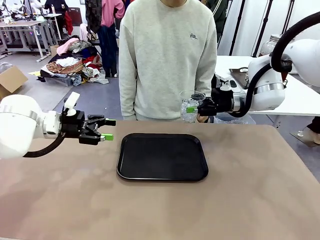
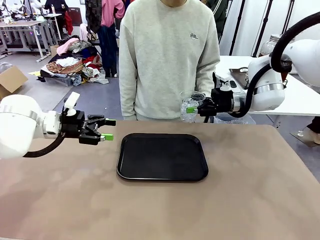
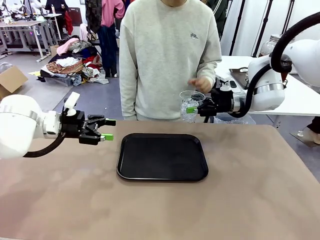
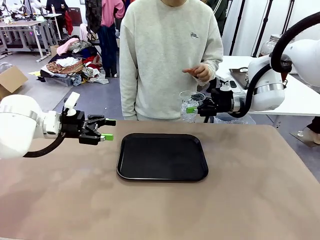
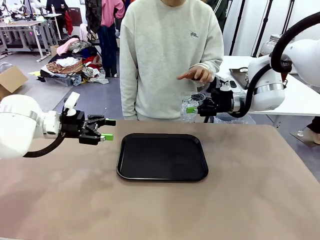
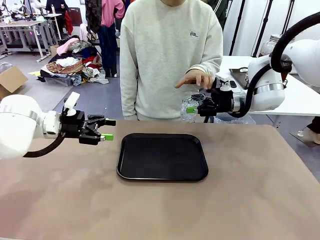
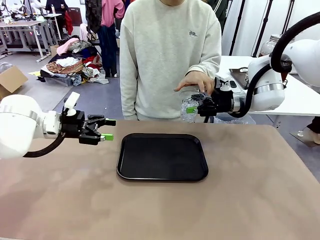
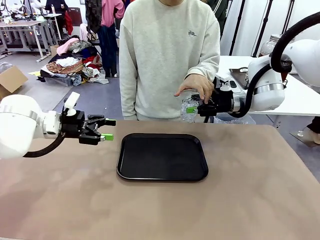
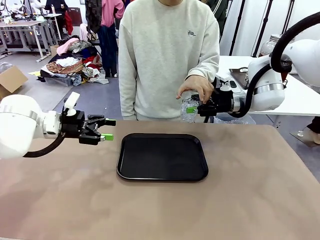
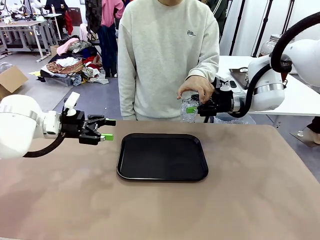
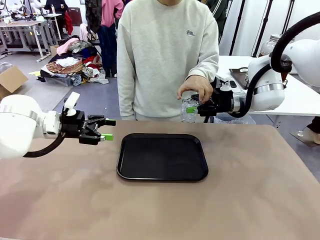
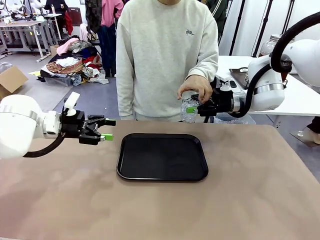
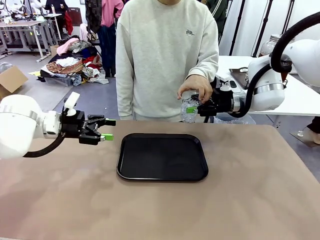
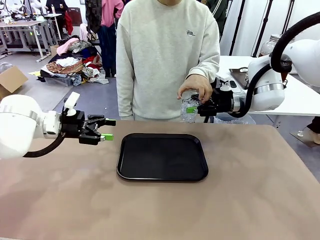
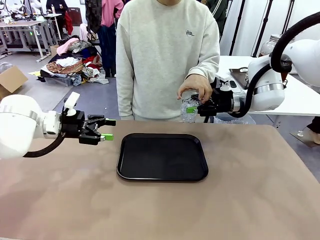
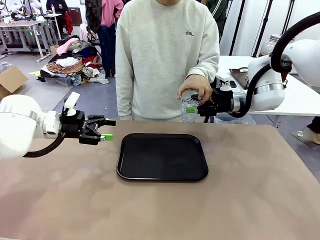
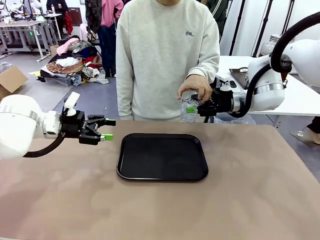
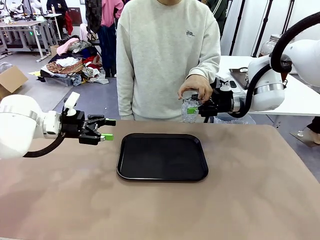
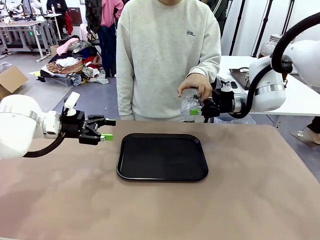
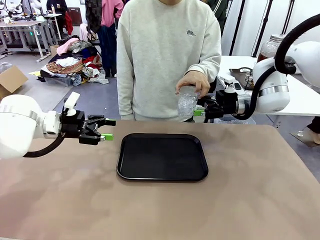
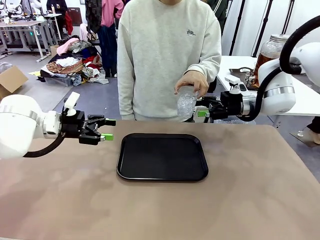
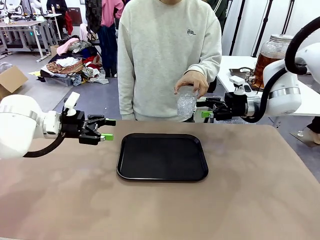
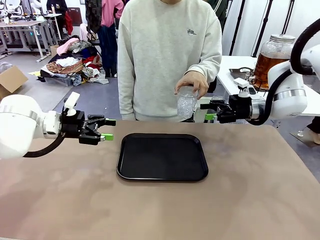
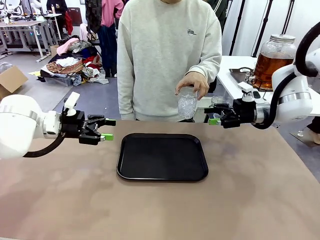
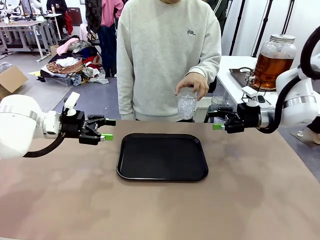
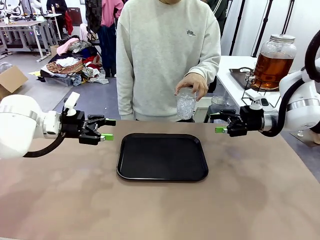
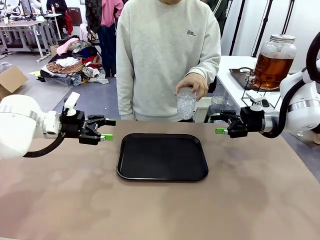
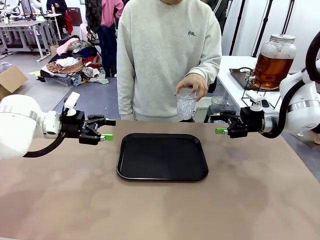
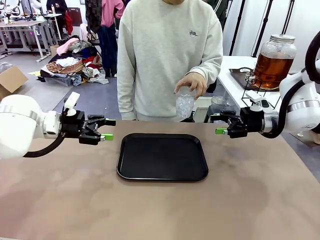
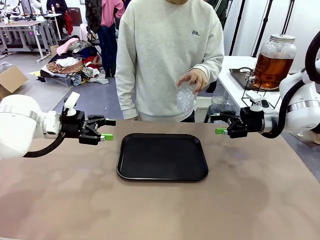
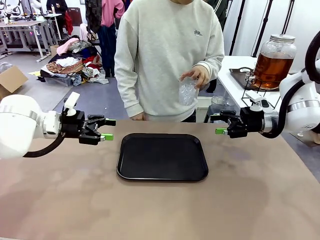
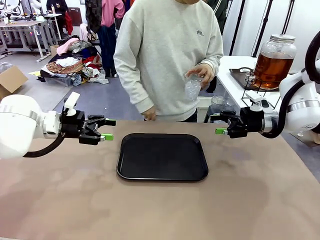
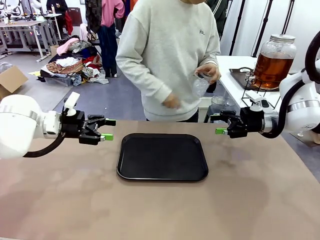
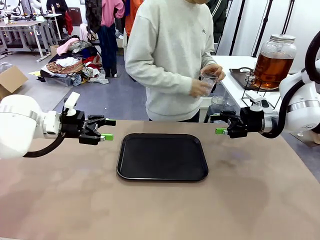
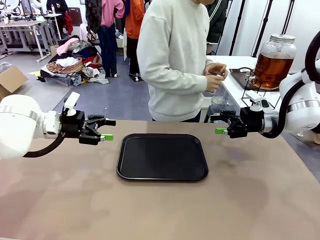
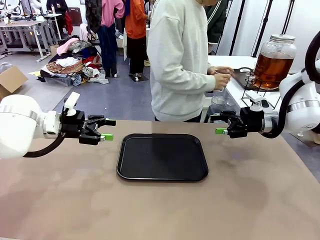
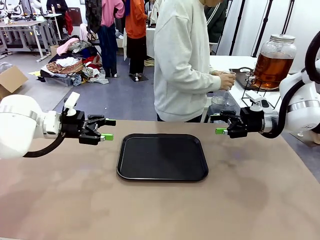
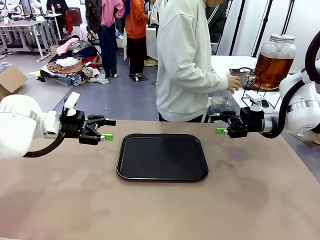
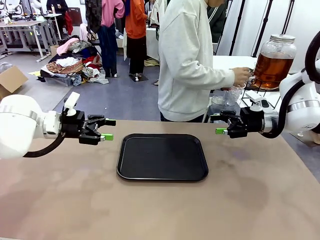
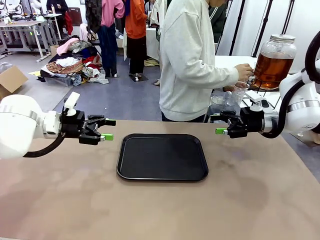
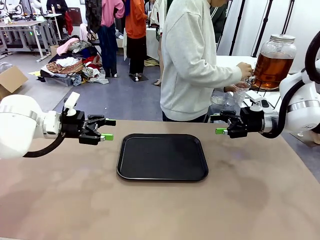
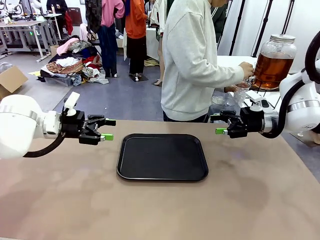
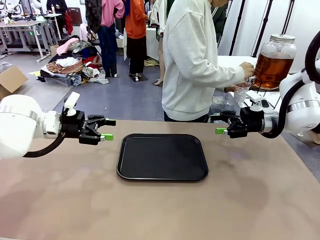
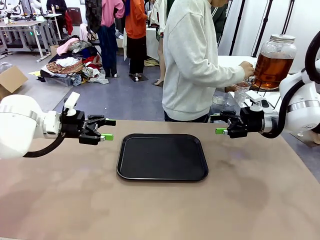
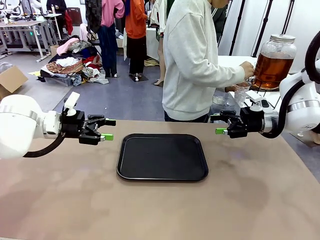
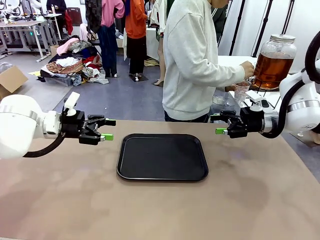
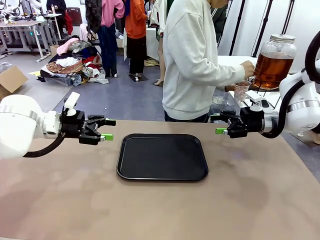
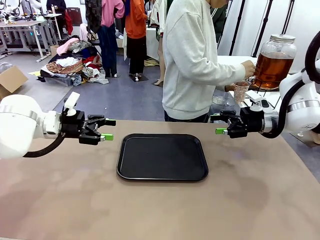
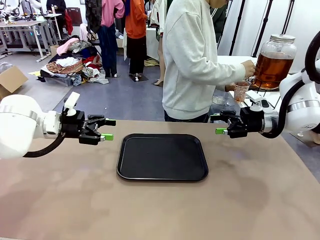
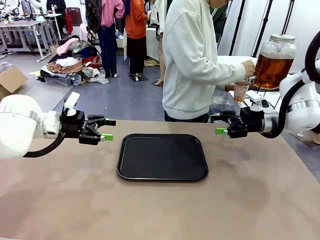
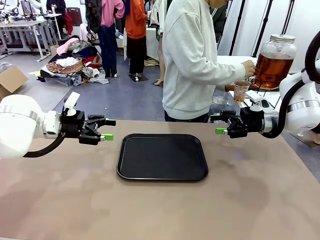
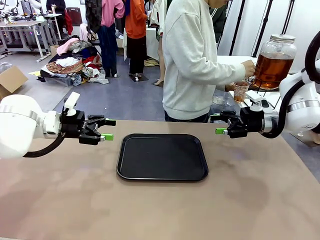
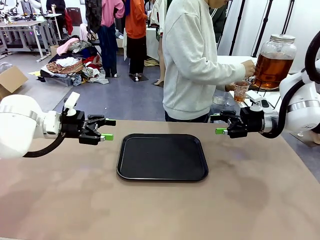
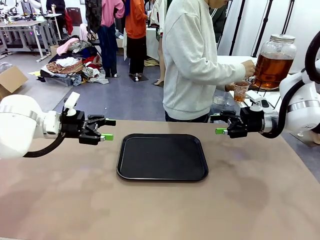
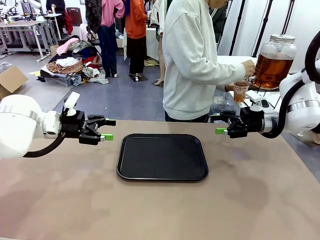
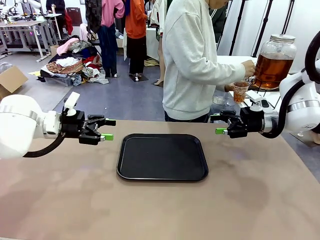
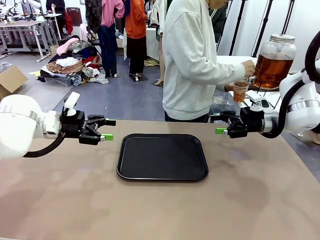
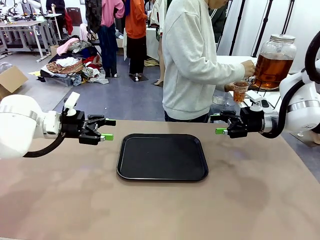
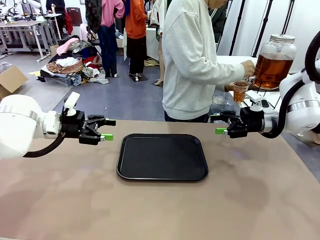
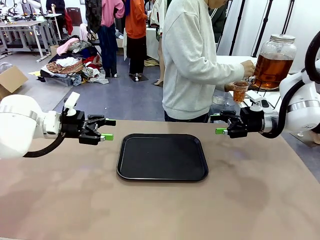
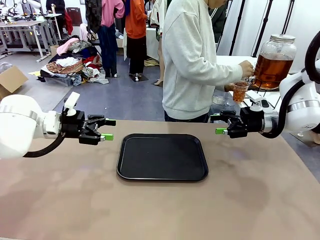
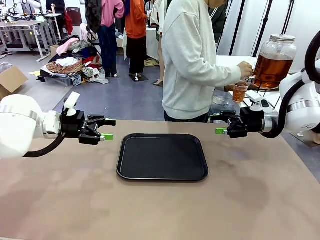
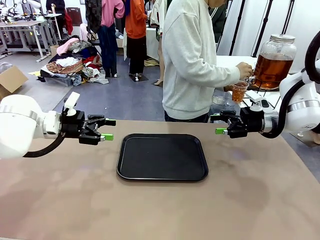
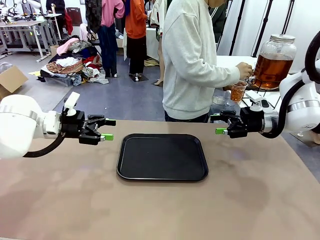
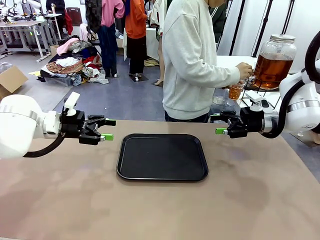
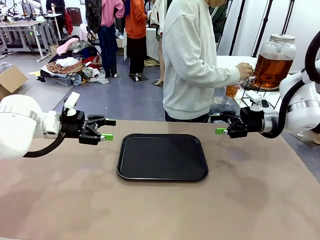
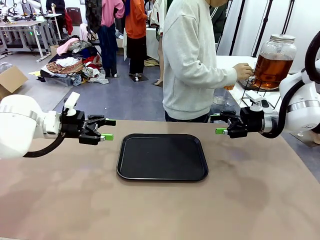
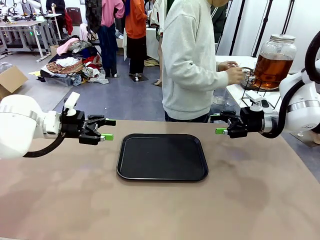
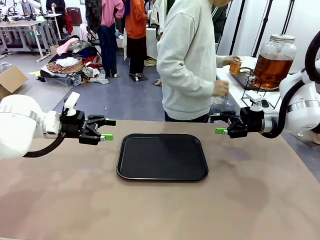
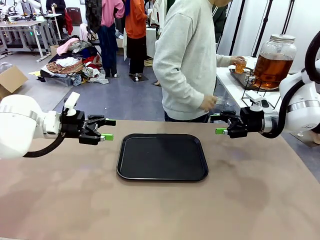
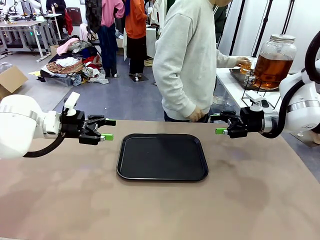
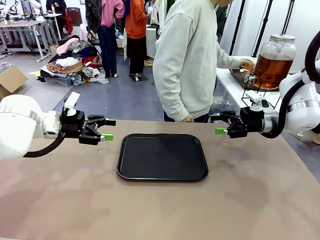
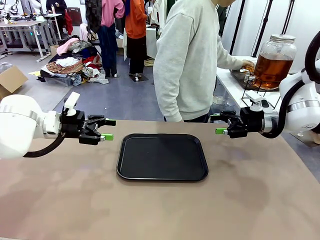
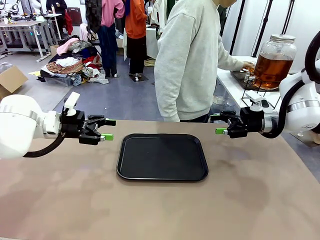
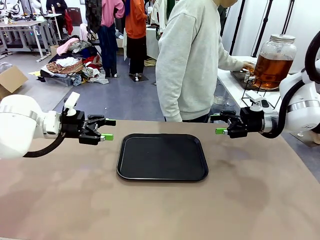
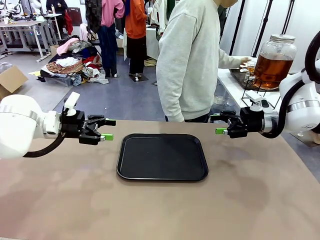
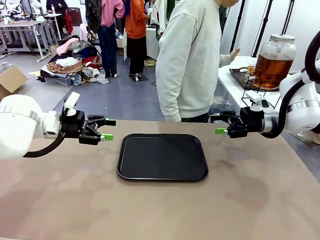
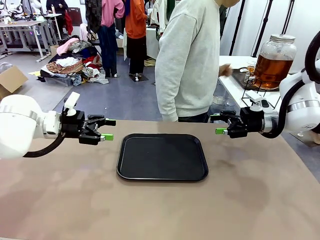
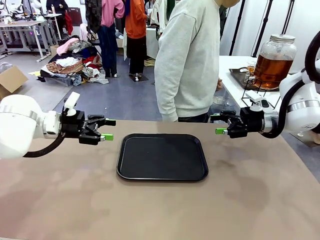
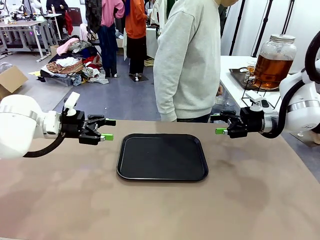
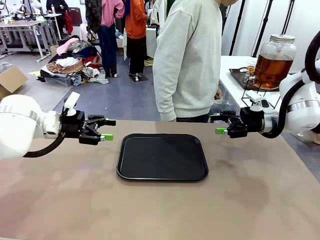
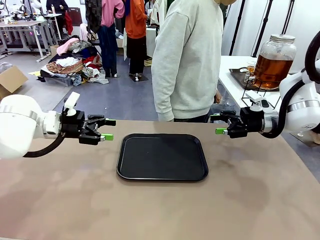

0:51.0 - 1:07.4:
Task: Pour the drink into the iced cup.
Robot: Open the gripper to release the iced cup you were holding.
Person: Move the picked-up cup under the dispenser faucet, pour the drink, and place it on the tray on the human table.

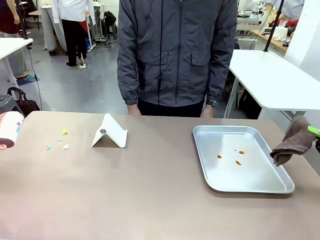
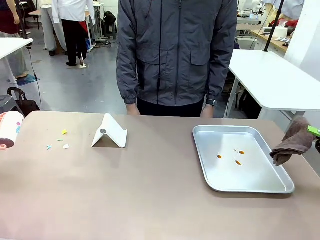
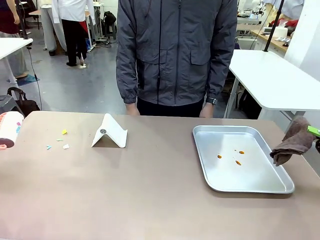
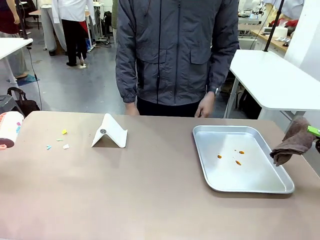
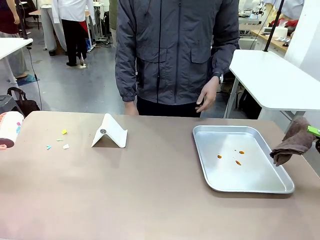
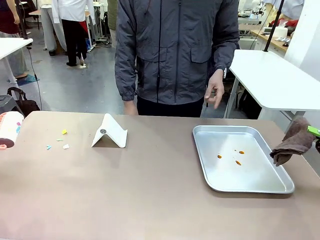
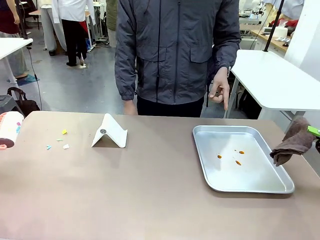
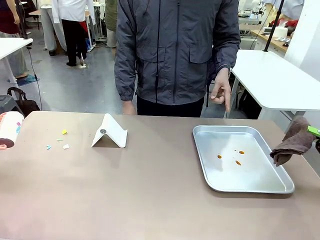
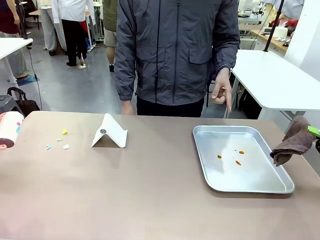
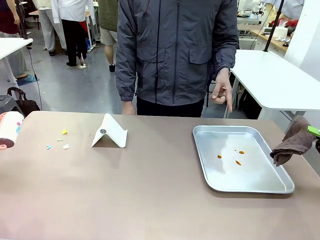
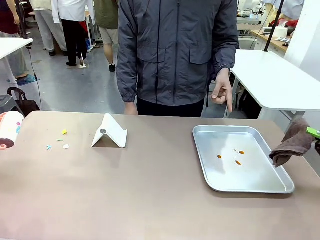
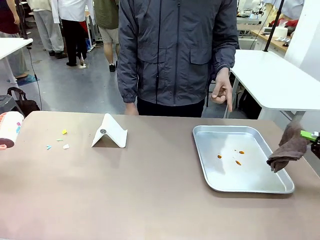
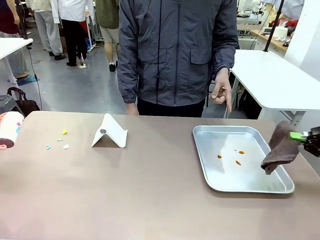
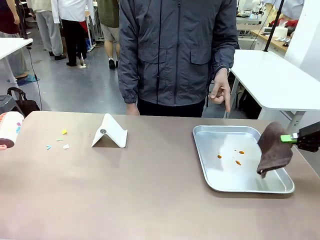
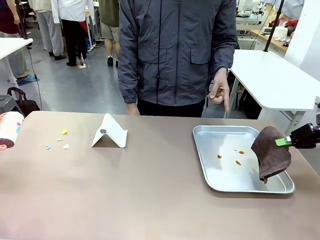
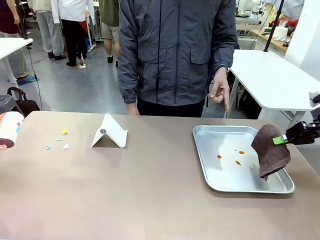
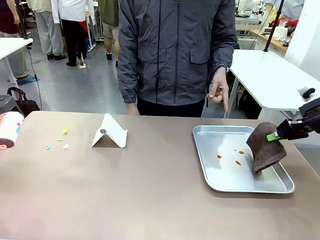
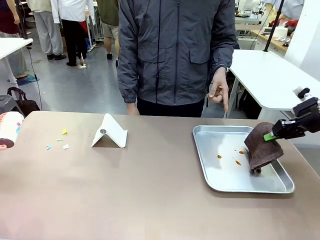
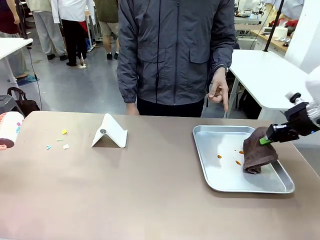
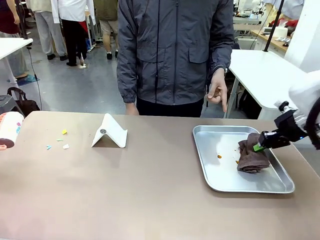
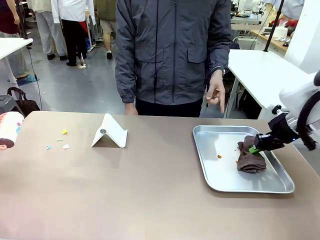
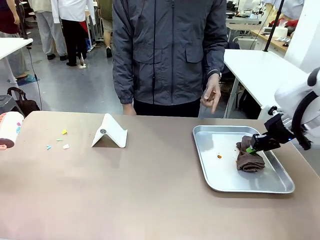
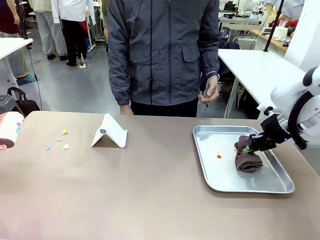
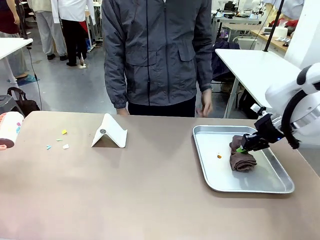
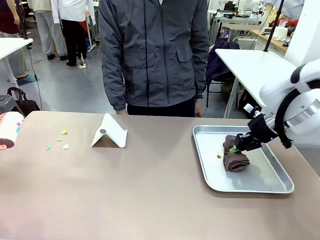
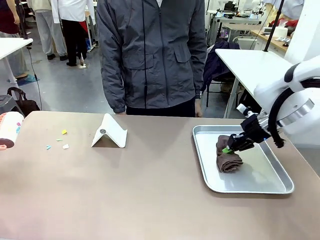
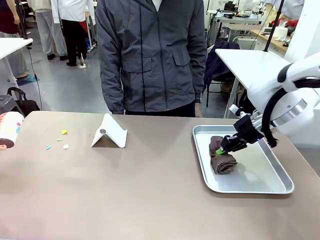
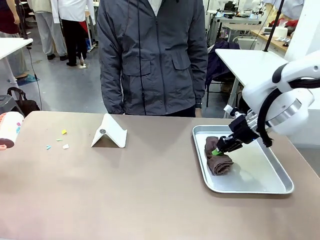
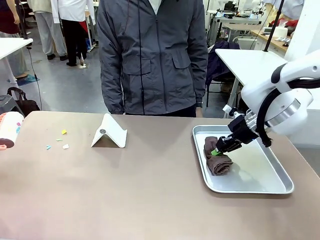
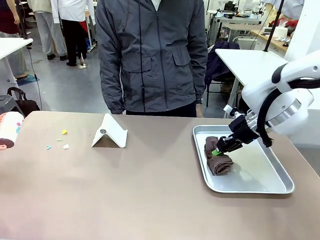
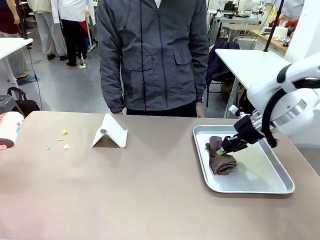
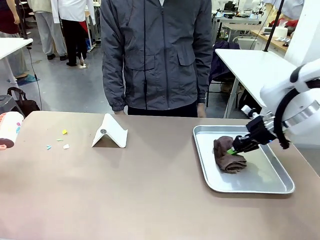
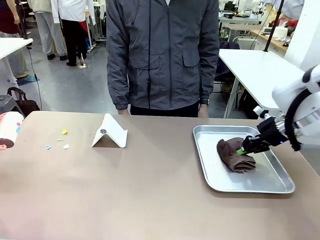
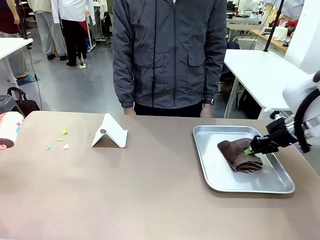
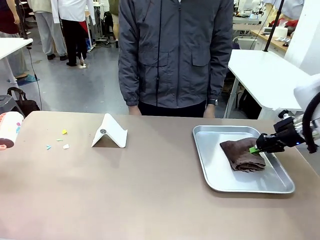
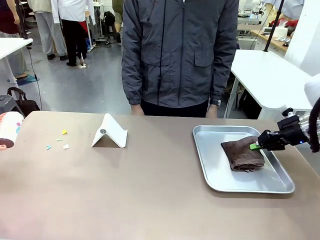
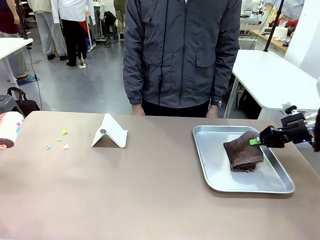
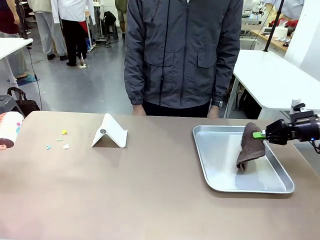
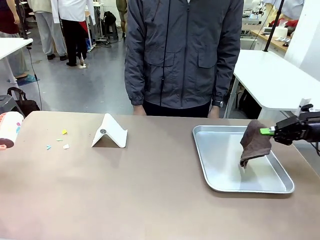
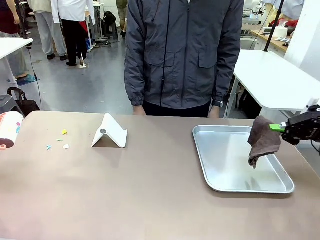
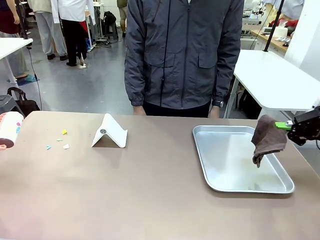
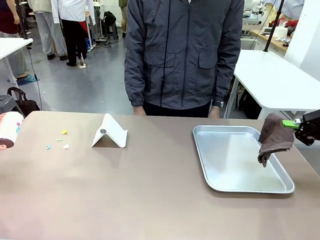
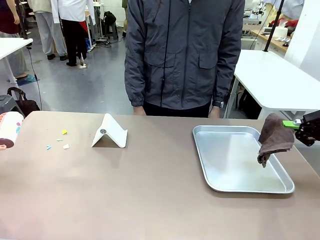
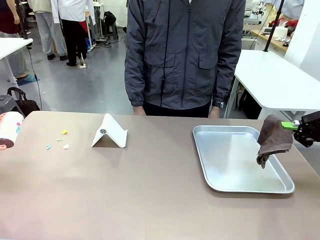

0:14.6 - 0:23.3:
Task: Clean the surface of the table.
Robot: If a person points to the right, clean the right side of the table with your right hand, and if they point to the left, clean the left side with your left hand.
